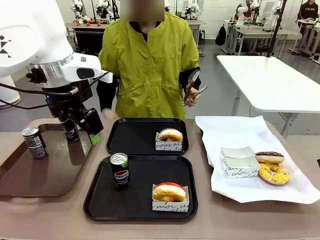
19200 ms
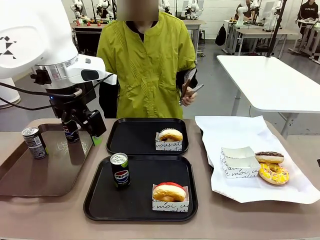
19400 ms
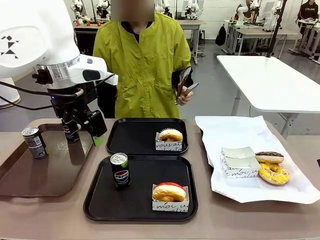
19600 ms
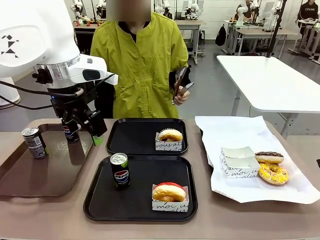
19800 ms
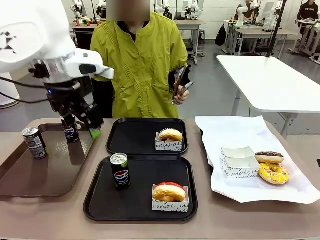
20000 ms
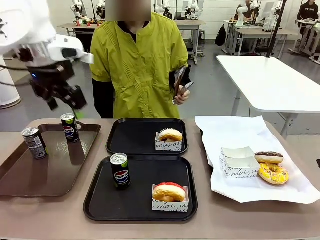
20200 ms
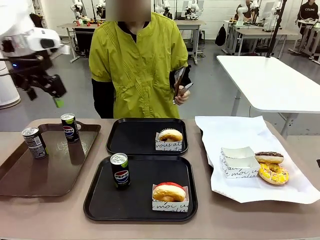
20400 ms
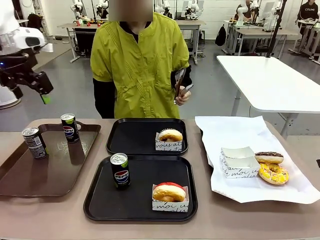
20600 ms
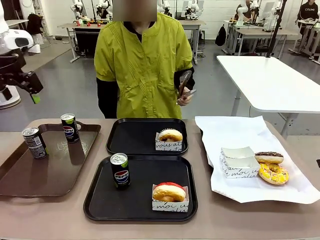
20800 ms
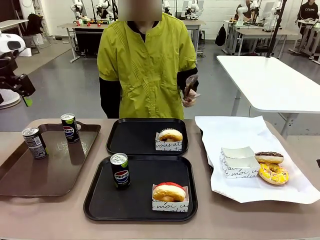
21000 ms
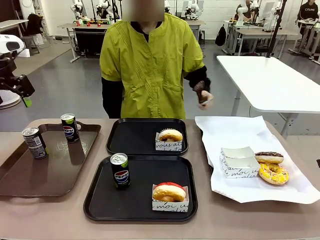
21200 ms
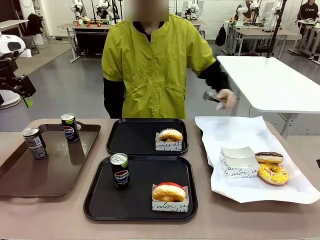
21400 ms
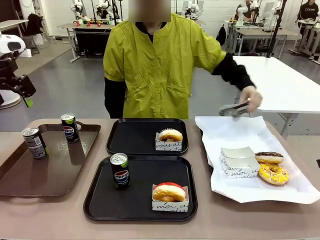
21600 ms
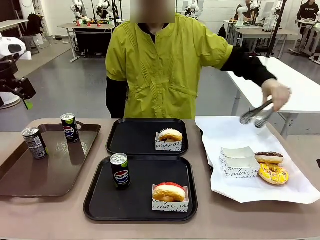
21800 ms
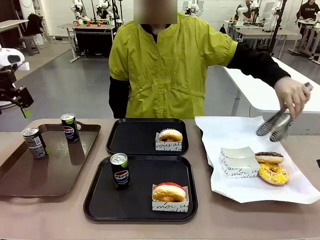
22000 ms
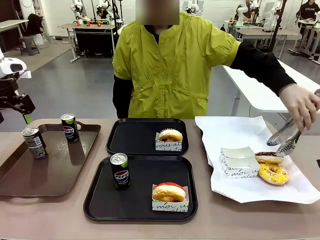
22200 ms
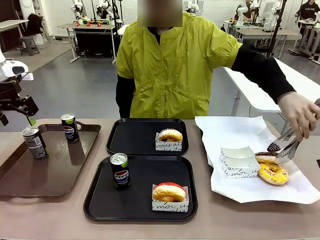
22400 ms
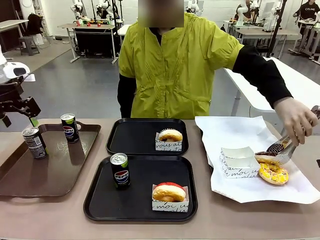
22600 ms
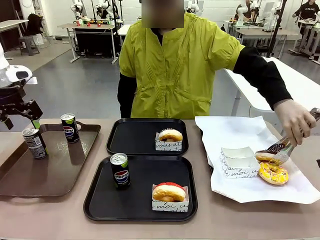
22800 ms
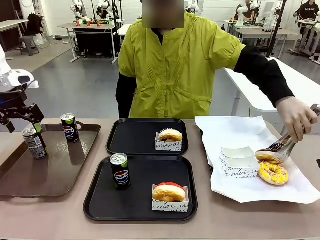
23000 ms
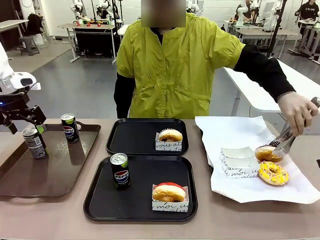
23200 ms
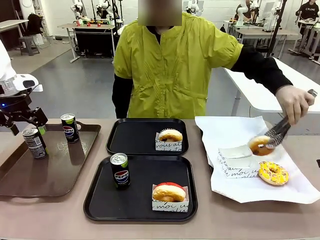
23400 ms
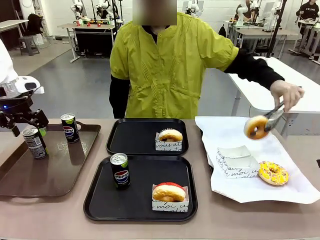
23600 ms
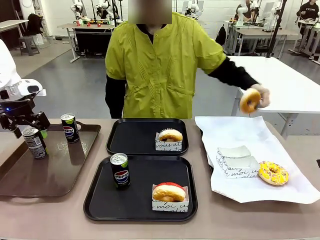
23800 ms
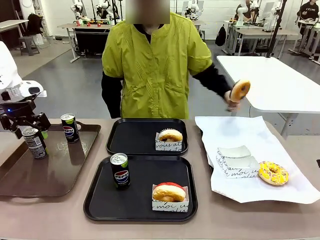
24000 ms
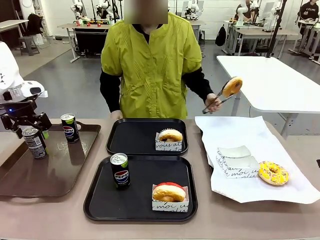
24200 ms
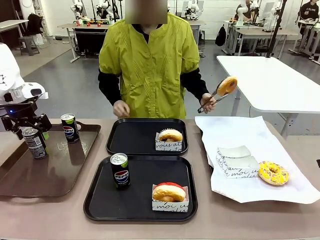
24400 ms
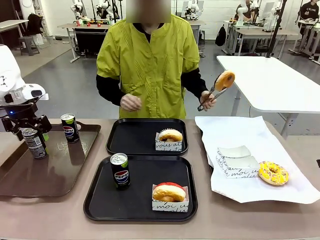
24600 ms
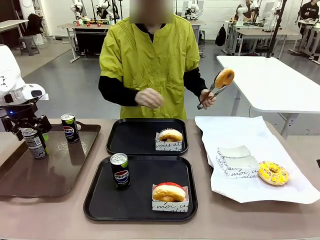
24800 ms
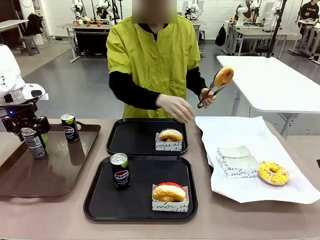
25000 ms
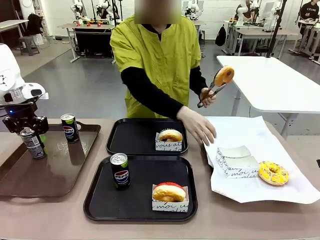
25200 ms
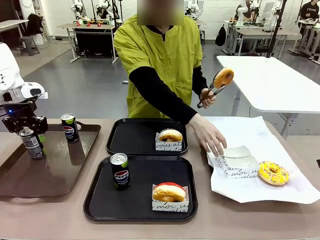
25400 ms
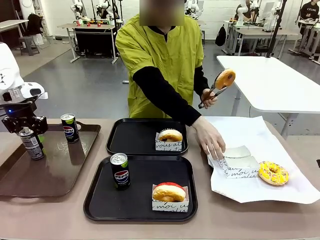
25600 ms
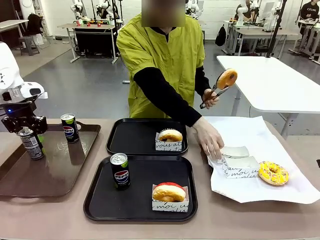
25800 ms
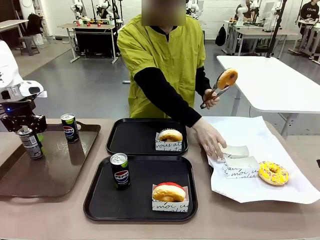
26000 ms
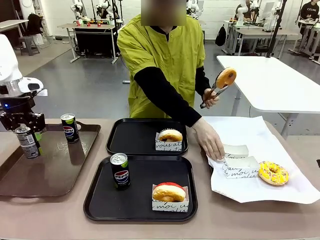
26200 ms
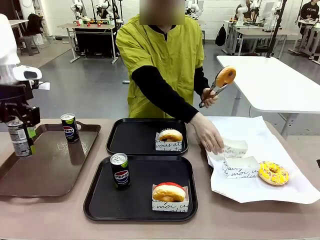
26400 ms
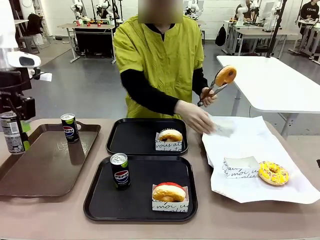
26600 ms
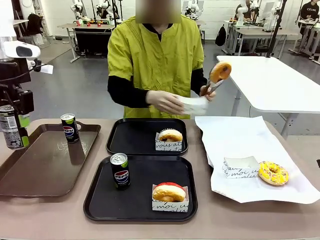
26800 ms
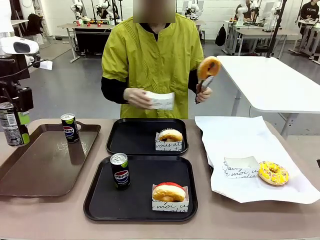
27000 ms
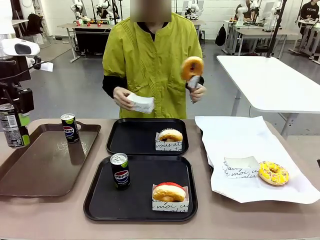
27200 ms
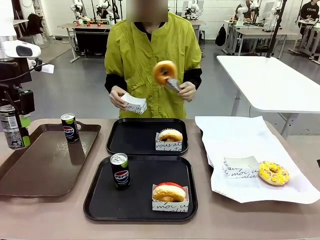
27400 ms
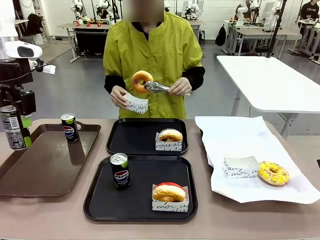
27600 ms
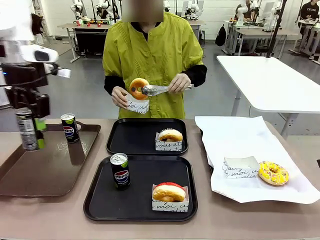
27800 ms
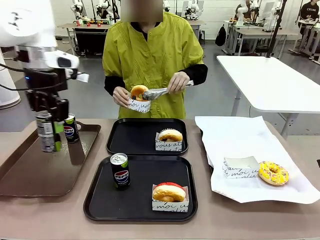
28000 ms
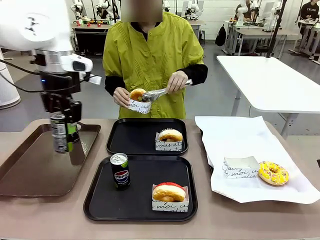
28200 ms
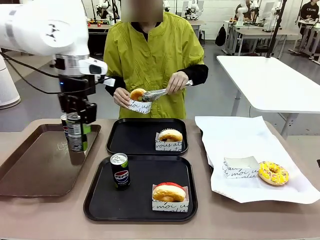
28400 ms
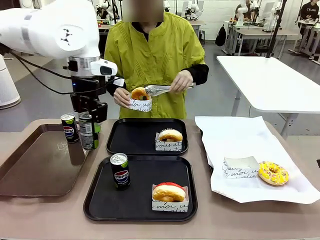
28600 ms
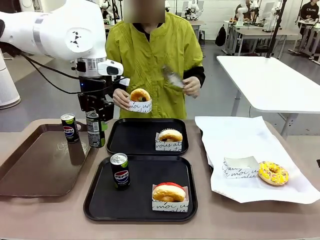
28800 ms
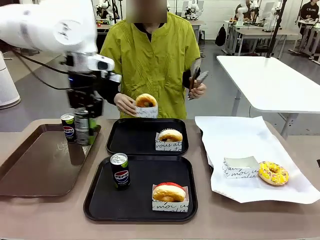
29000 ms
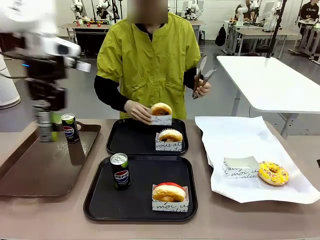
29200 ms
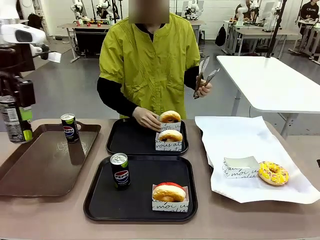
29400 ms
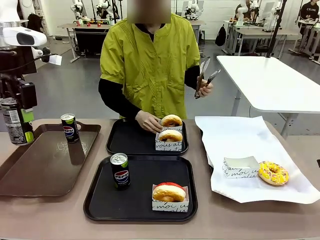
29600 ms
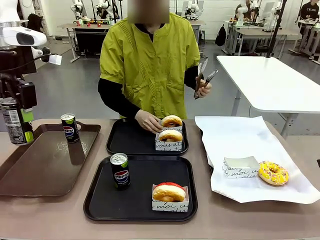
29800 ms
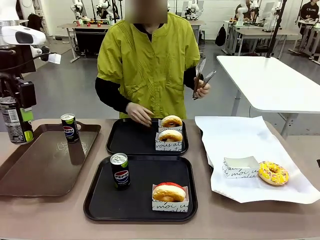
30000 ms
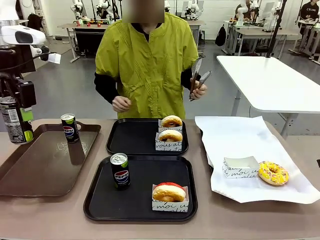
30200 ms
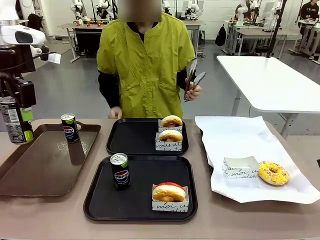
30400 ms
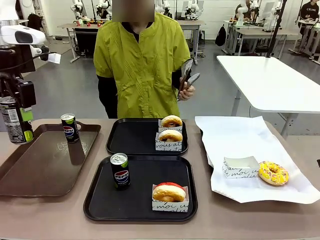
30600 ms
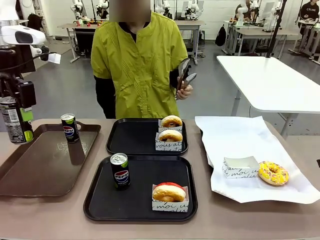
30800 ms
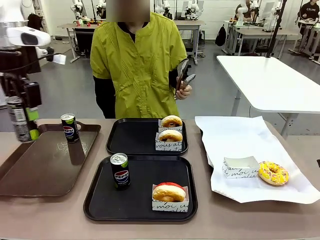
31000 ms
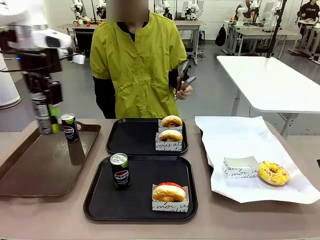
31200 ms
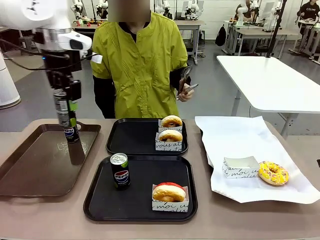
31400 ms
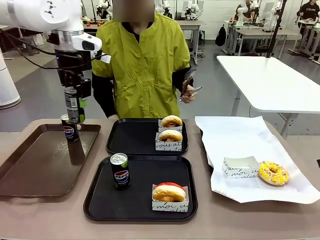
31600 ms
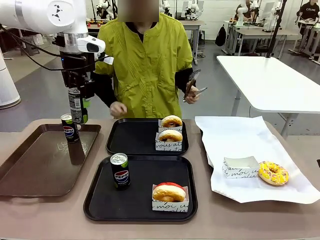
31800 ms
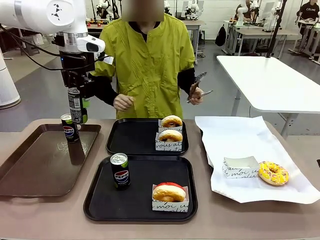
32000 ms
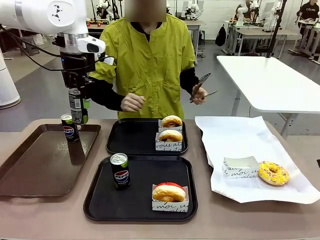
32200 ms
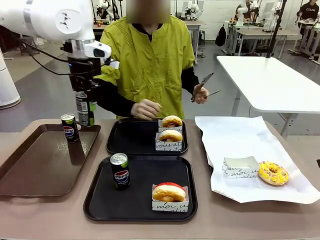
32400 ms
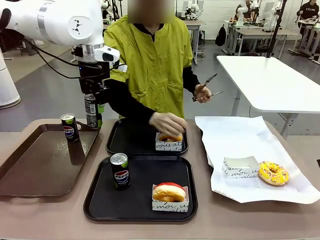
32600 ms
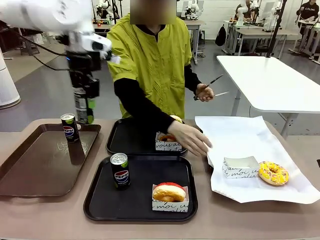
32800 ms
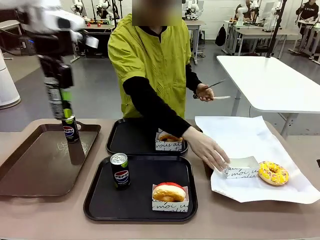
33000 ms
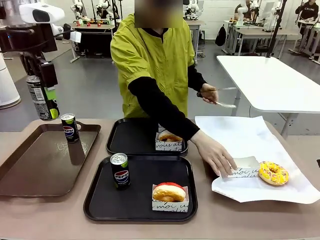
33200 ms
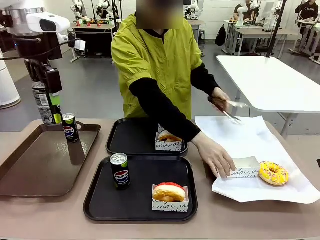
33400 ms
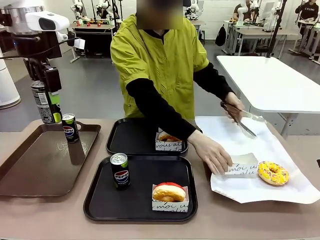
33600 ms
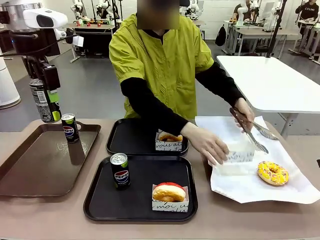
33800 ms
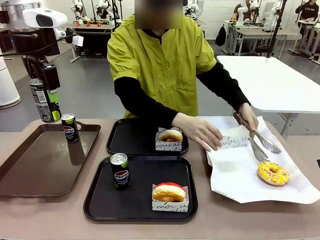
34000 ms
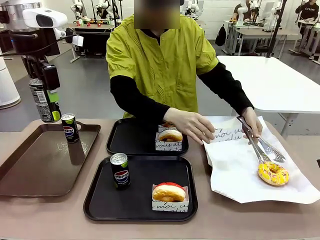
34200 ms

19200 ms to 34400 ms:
Task: Set up donuts and drinks on trays.
Robot: Pick up one Pepsi coke from the Handle tray and place it on the Flat Tray without a Pepsi coke.
